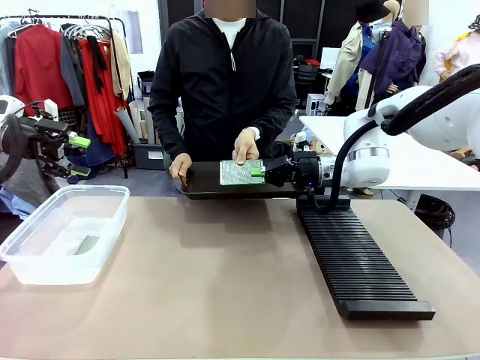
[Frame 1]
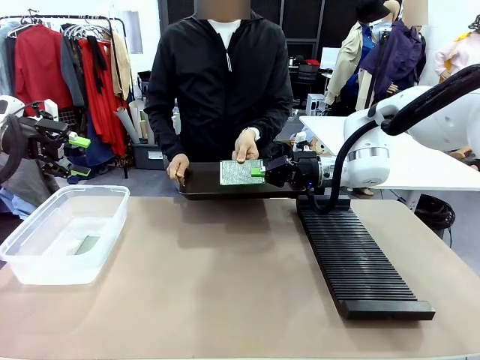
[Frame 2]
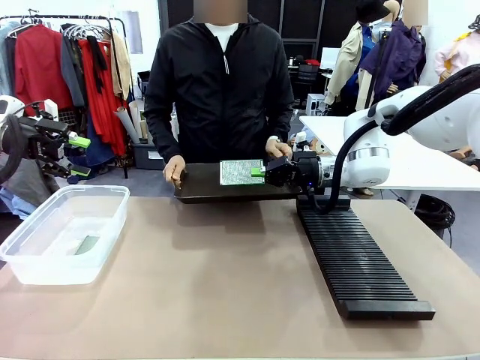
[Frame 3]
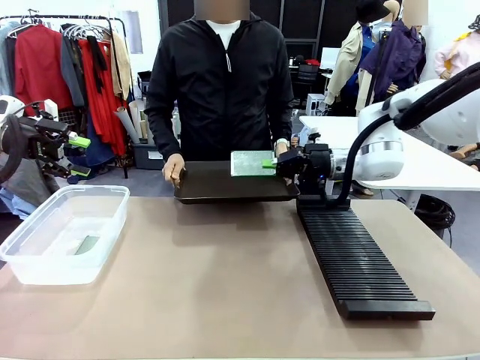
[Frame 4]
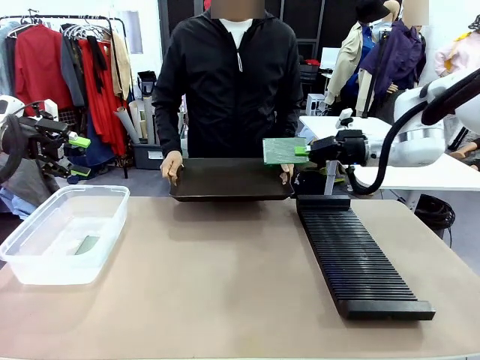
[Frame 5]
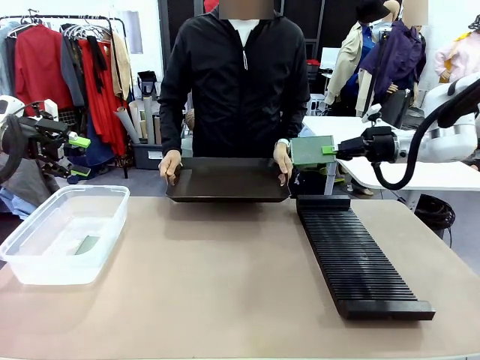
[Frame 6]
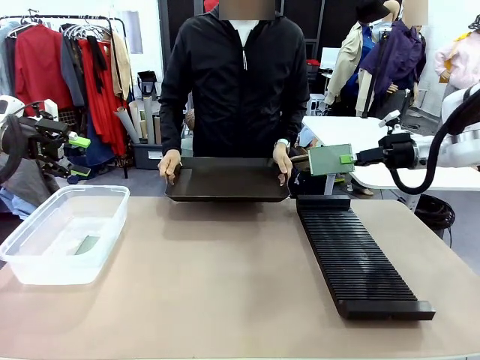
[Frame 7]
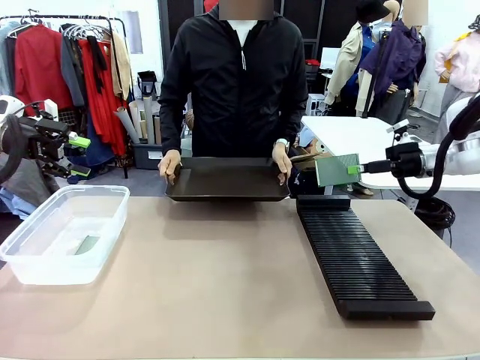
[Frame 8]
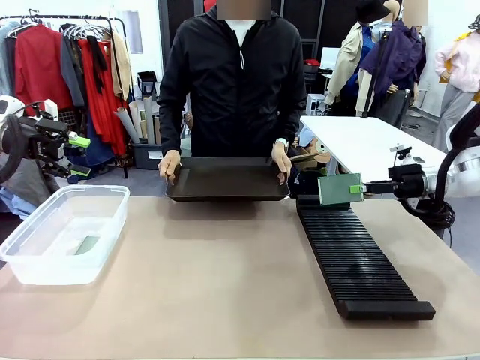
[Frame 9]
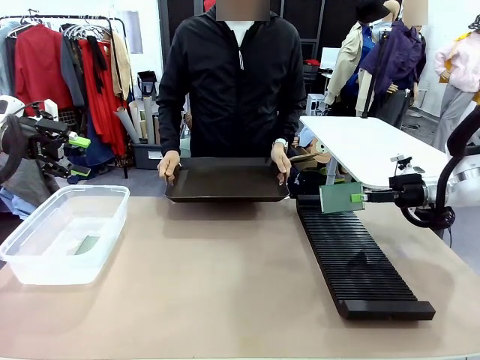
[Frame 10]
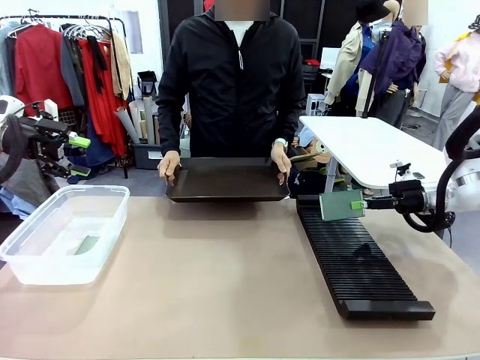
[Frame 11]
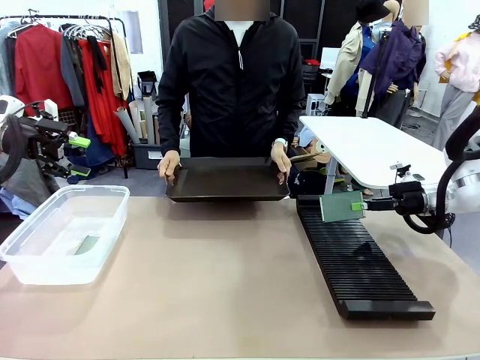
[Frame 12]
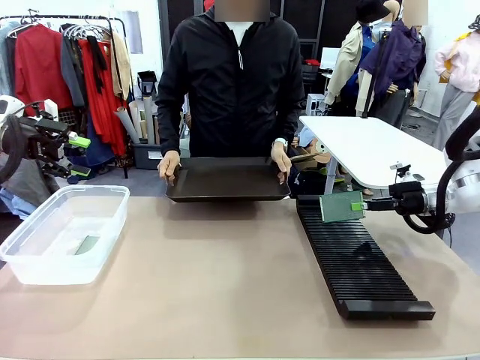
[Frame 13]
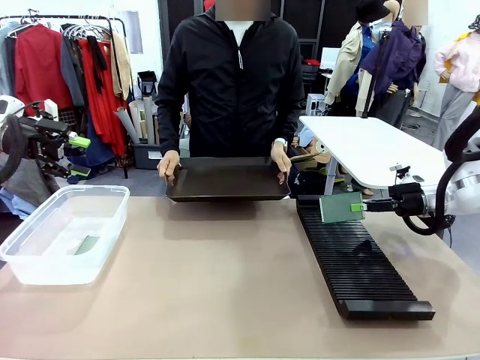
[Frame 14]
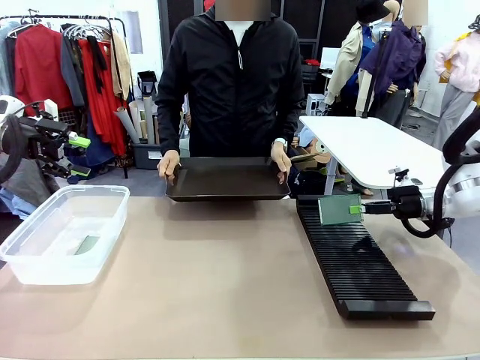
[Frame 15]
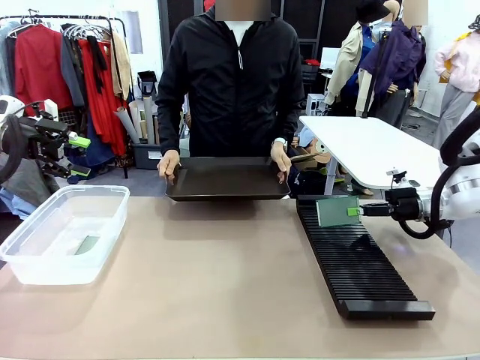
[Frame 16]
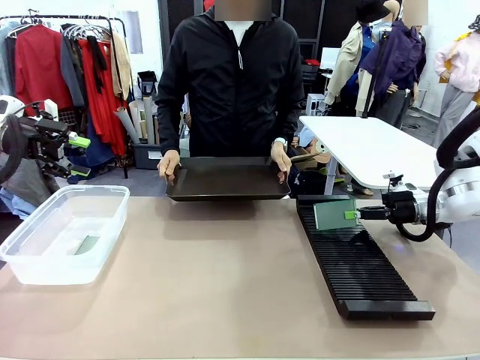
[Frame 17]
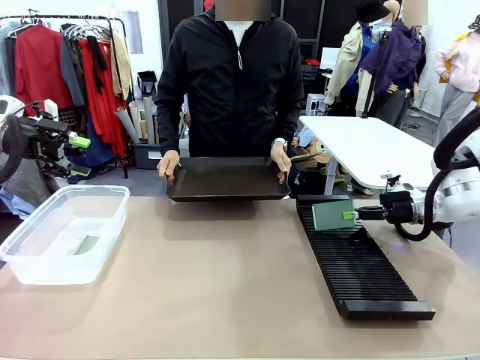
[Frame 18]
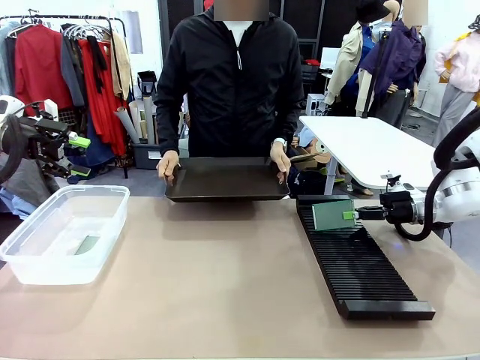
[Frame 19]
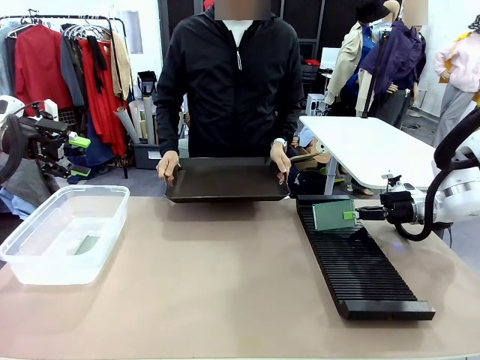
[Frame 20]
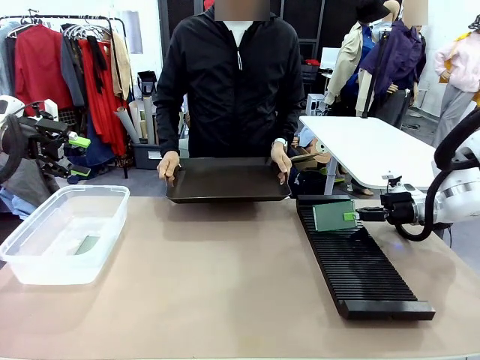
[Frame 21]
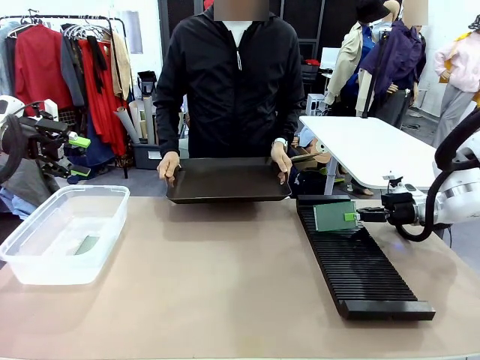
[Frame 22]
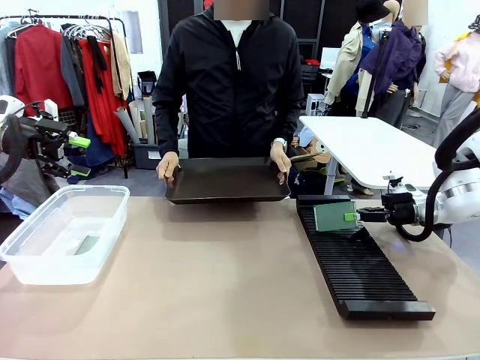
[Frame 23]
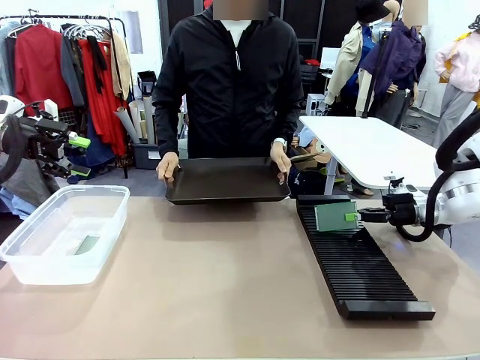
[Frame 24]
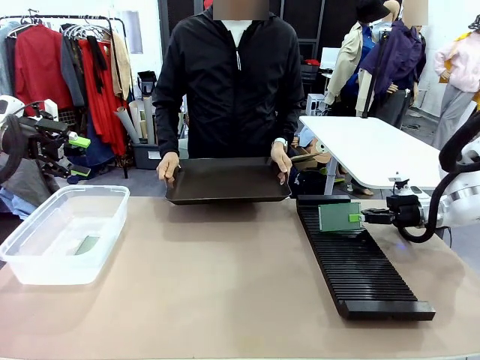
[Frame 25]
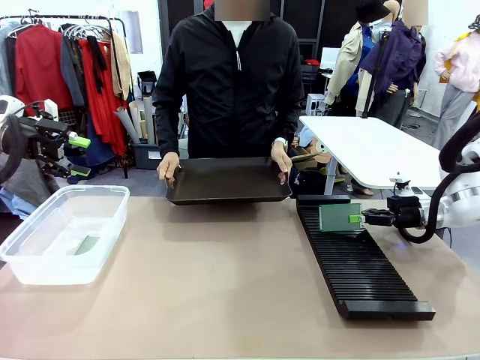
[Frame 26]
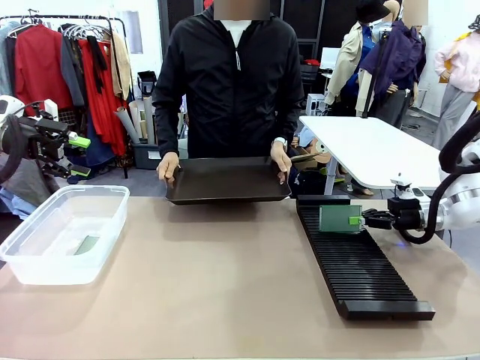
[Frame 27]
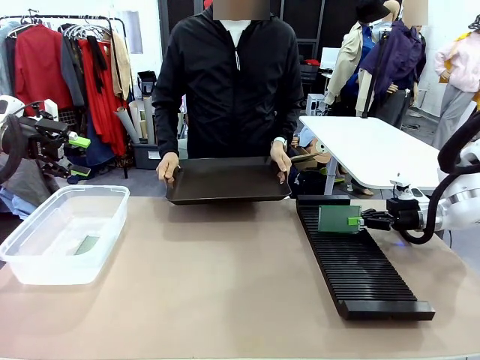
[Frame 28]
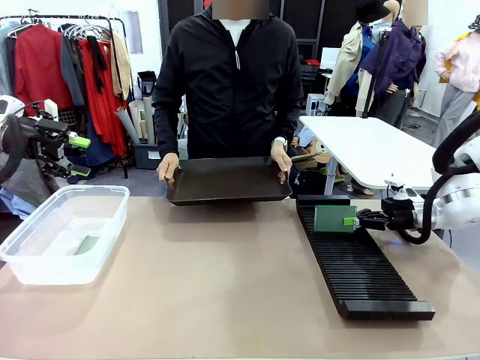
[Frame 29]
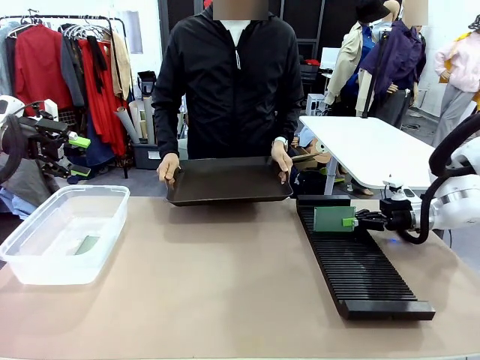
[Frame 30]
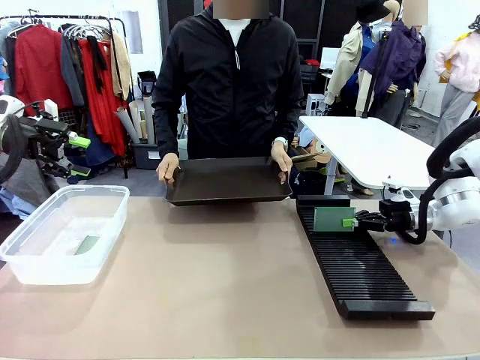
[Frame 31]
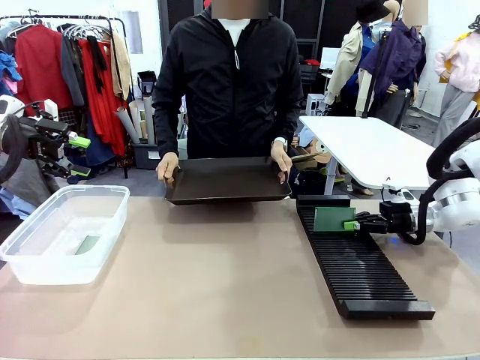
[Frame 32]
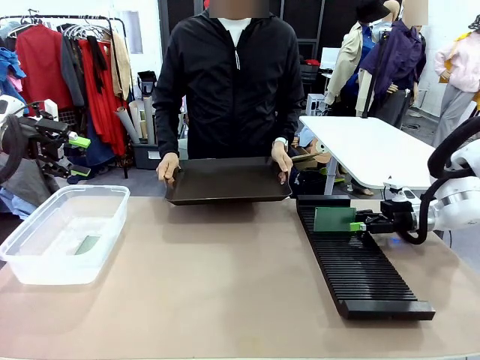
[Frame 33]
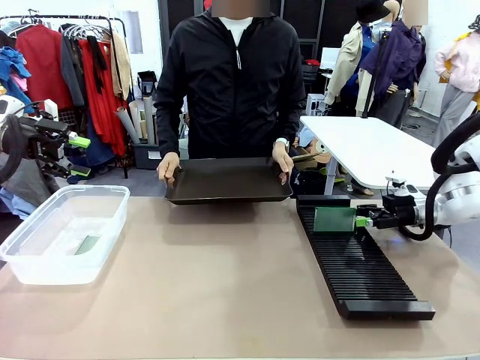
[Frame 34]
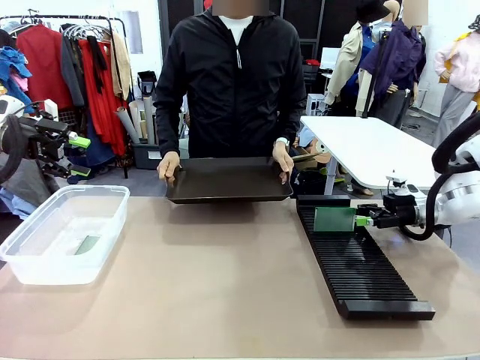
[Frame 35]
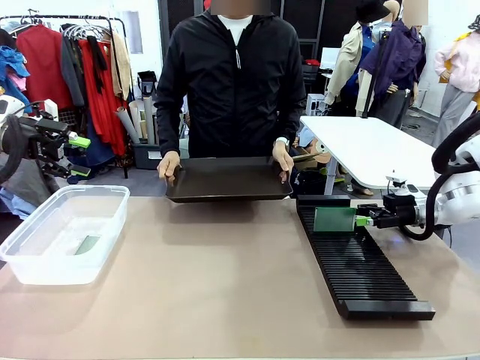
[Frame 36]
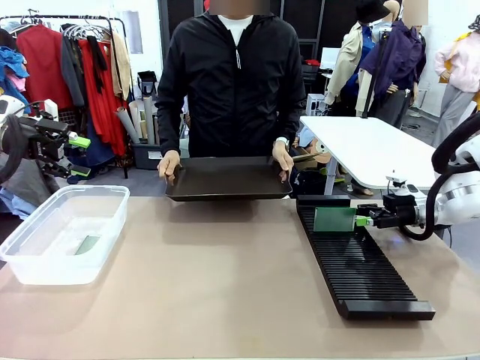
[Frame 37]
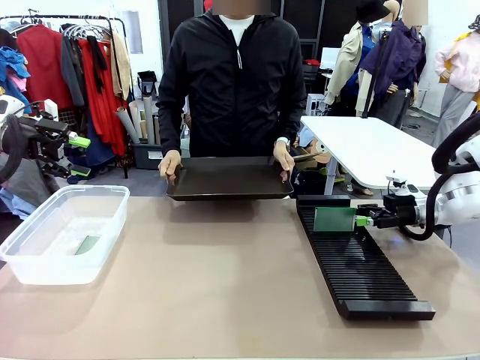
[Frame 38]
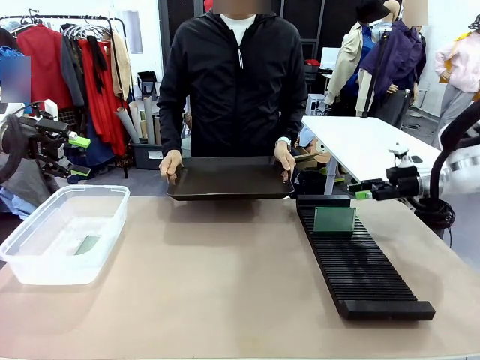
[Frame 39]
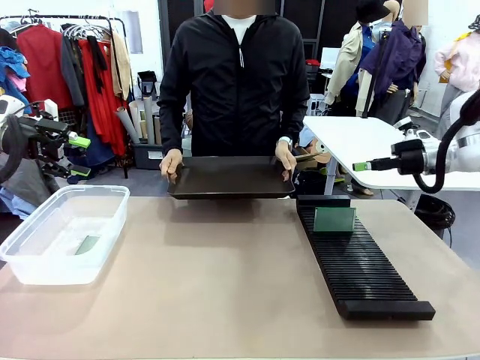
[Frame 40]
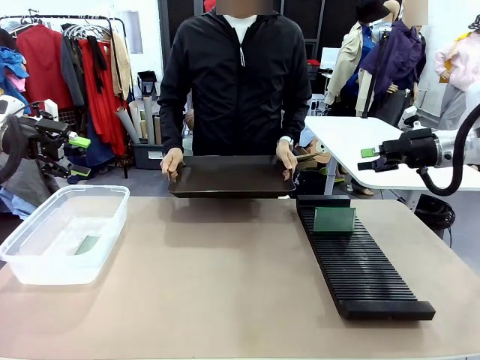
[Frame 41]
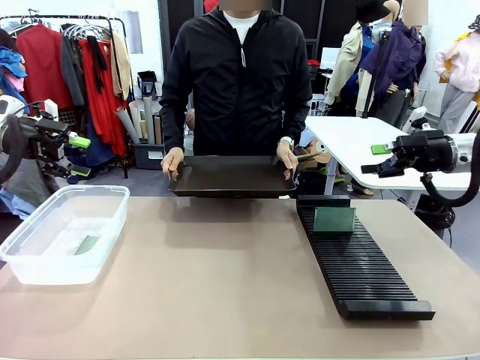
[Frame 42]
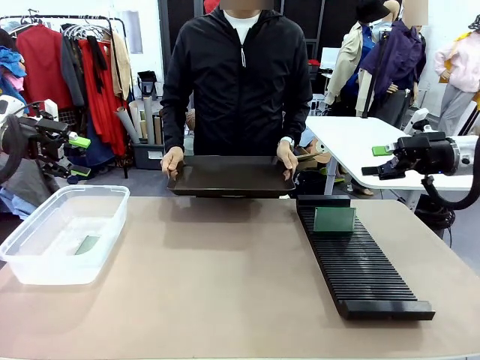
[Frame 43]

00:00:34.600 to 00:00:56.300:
Task: Sort PCBs into racks and boxes based on the side picked up.
Robot: If the short side of the Blank PCB is picked up, insert it into the PCB Rack ; if the long side is picked up, place it in the Organizing box.
Person: Release the PCB being held.

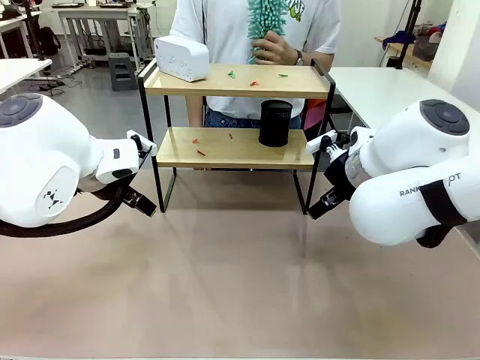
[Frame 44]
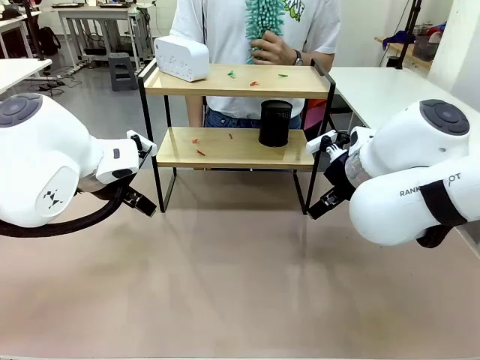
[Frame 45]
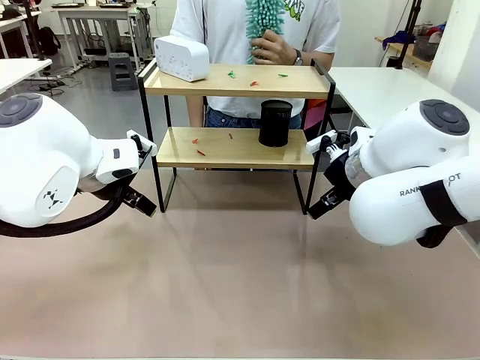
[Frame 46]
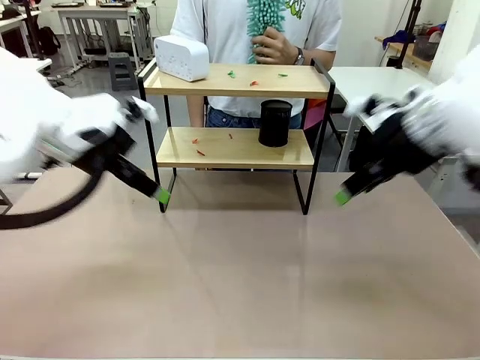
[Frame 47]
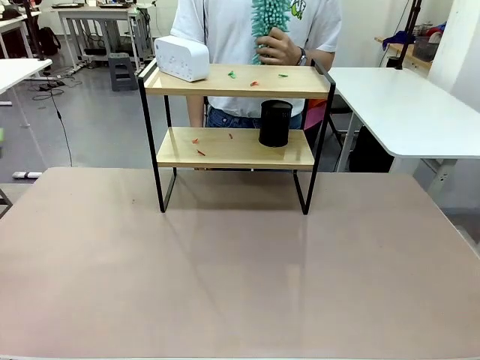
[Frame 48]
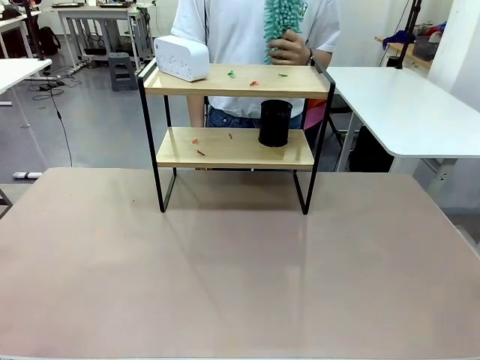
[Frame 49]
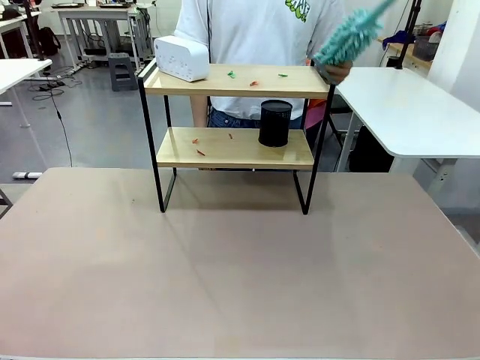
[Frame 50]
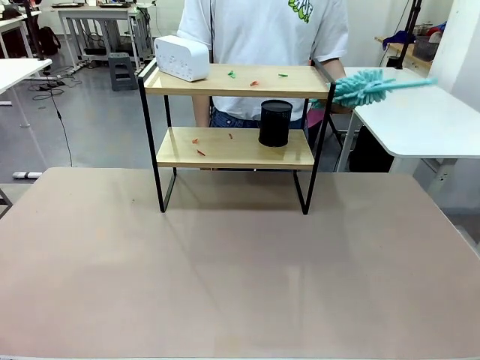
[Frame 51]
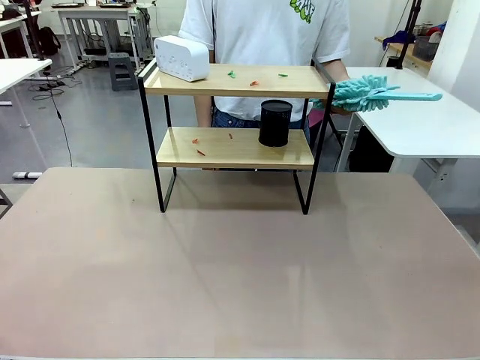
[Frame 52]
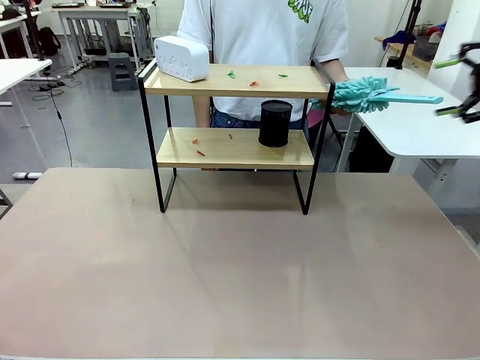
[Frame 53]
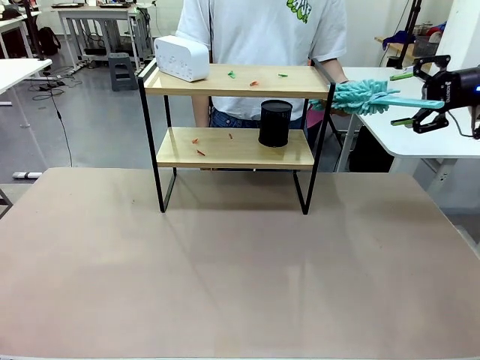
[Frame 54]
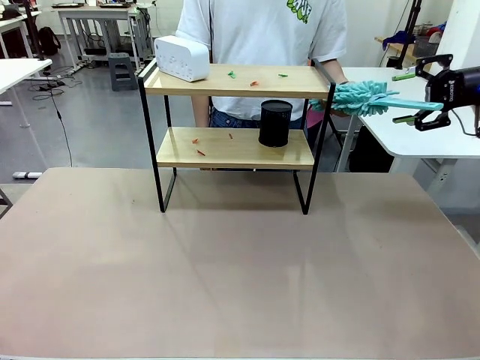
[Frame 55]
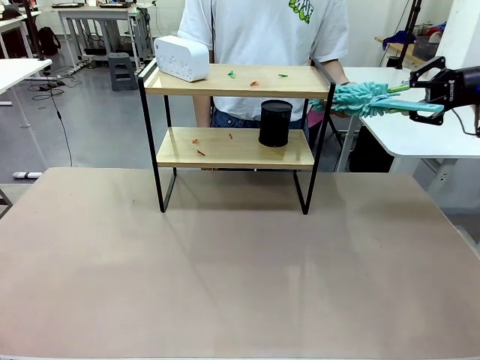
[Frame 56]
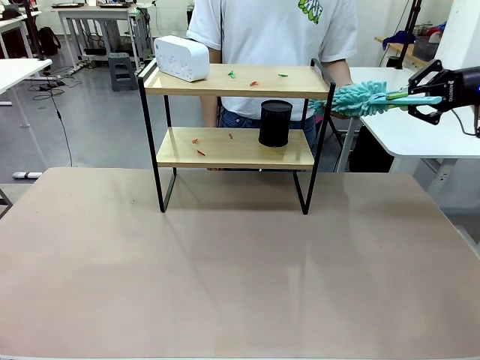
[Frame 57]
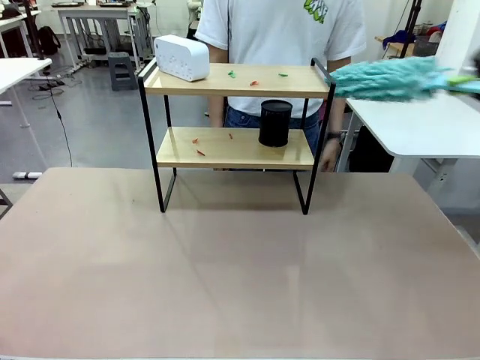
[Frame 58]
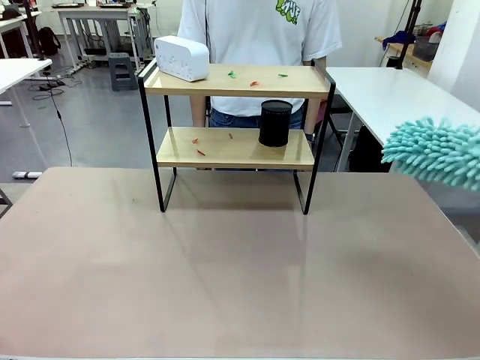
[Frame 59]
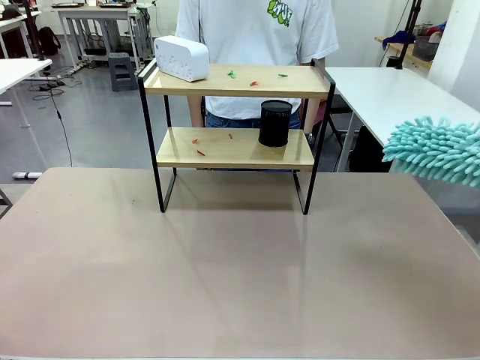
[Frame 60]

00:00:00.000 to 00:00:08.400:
Task: Clean the shelf.
Robot: Pick up the Duster from the human.
Person: Hand the Duster to the robot.
